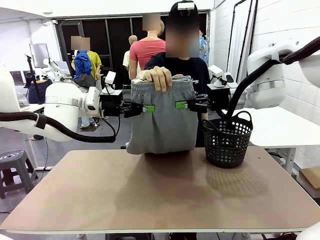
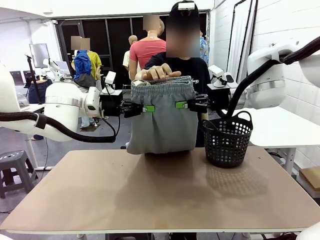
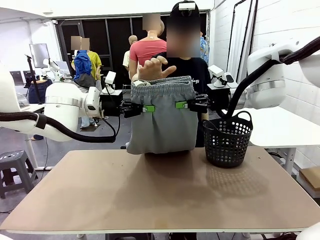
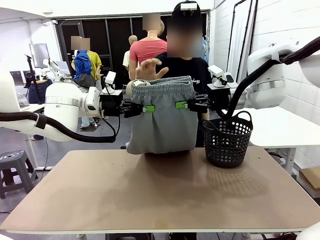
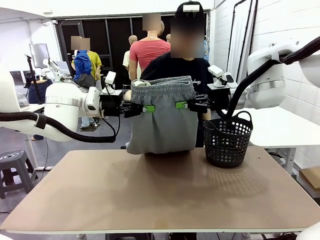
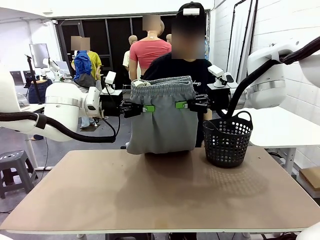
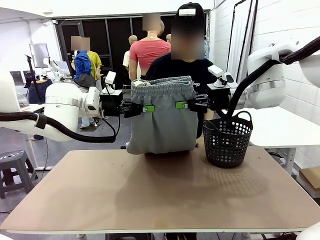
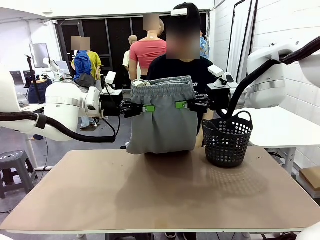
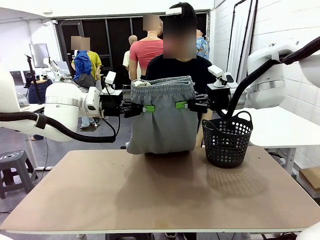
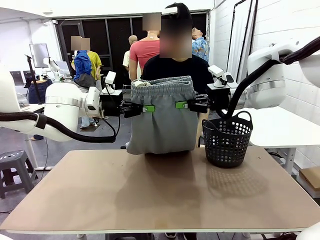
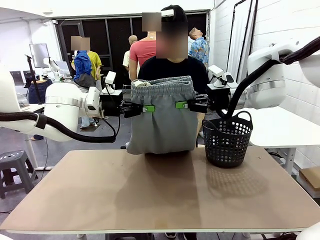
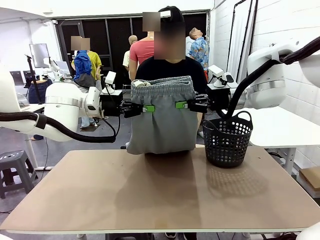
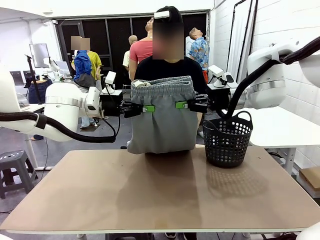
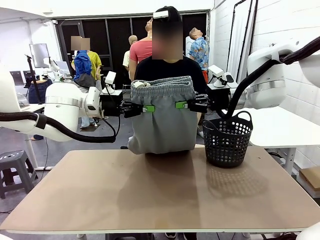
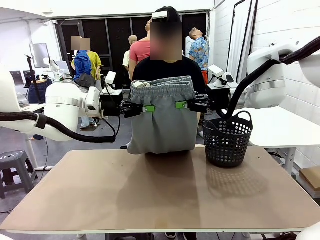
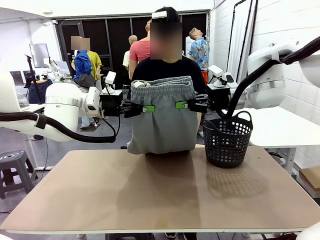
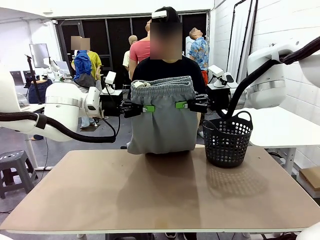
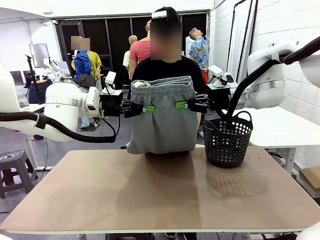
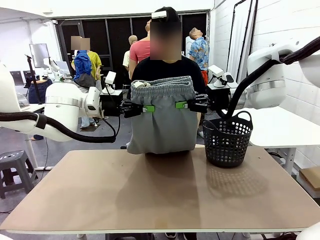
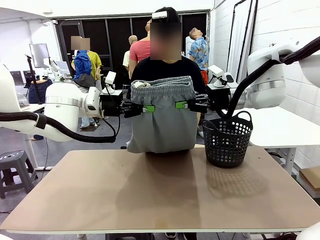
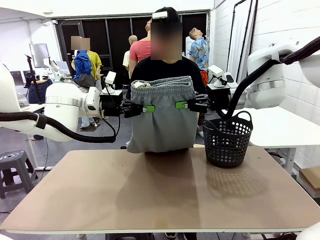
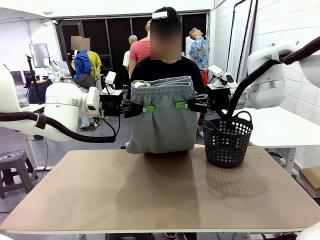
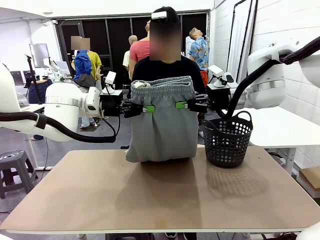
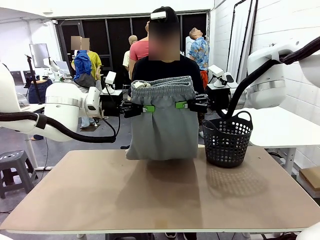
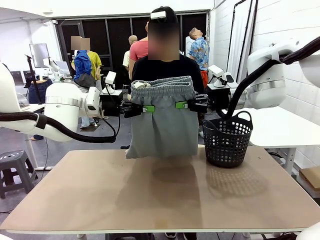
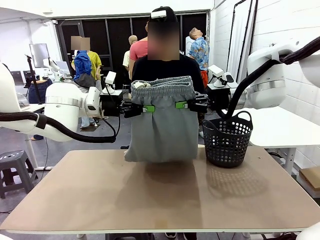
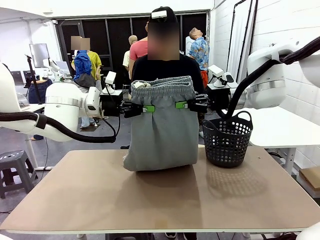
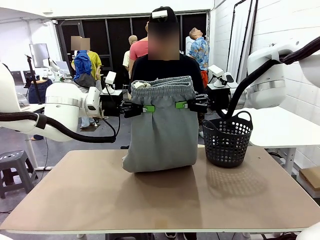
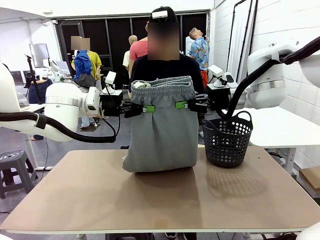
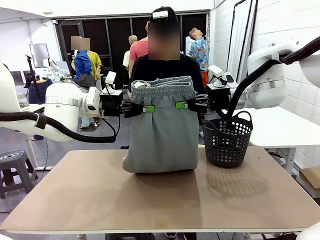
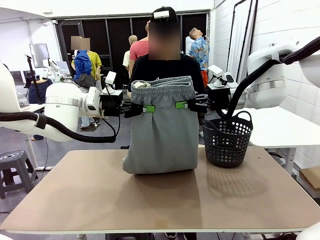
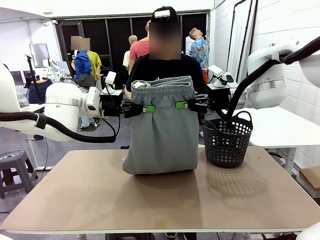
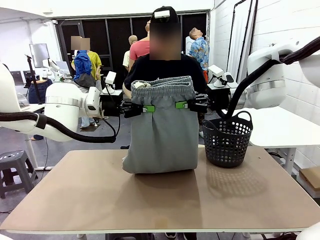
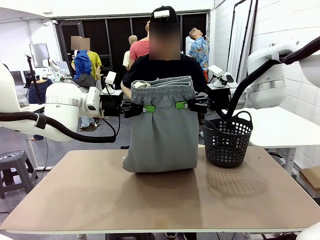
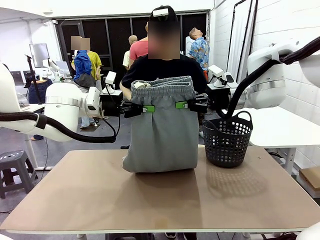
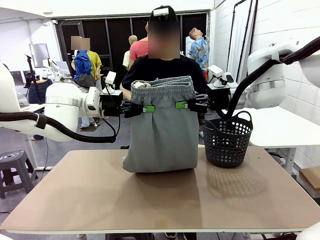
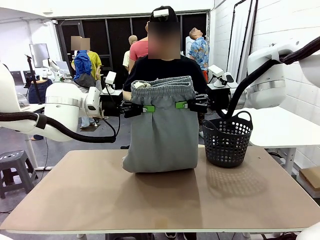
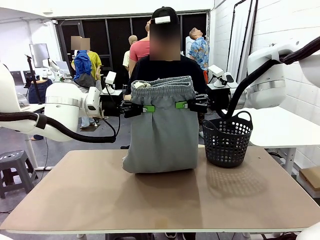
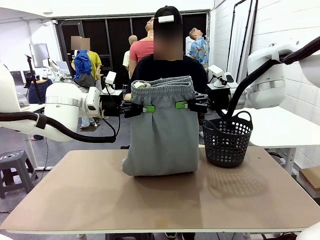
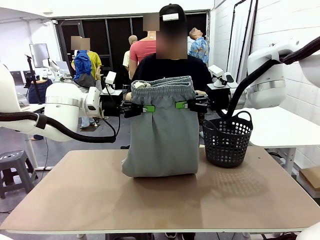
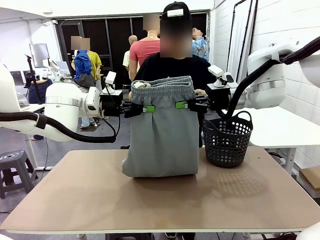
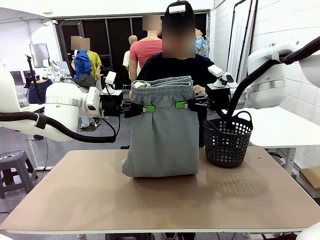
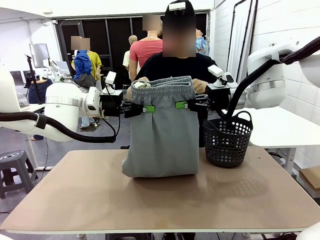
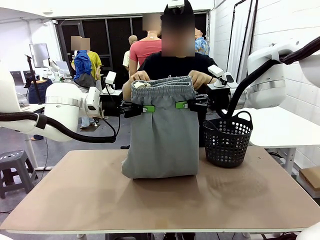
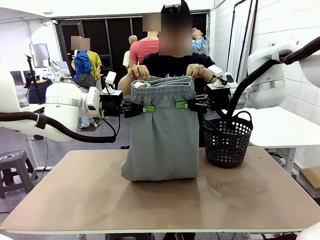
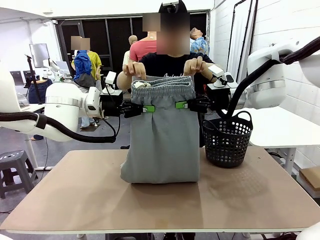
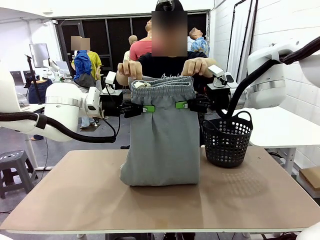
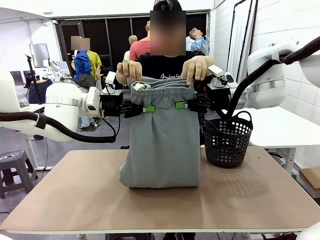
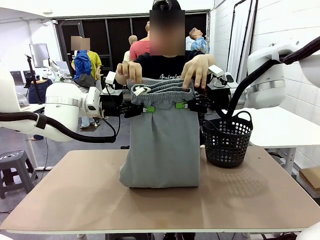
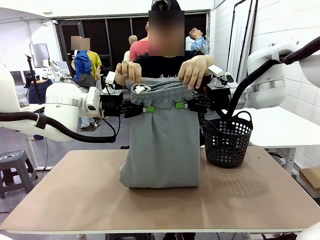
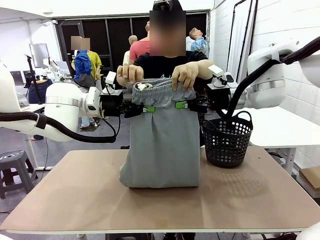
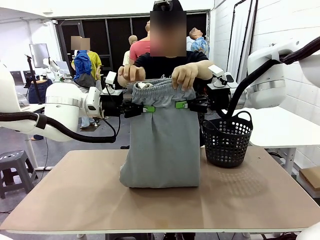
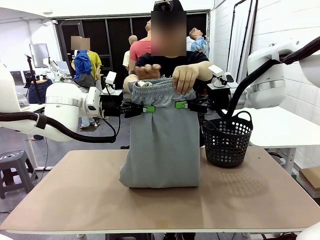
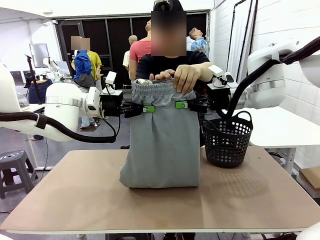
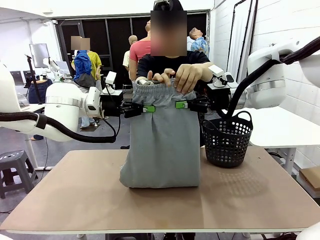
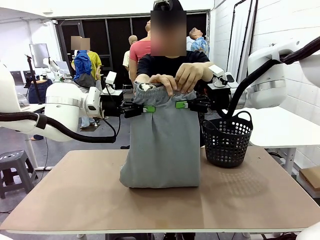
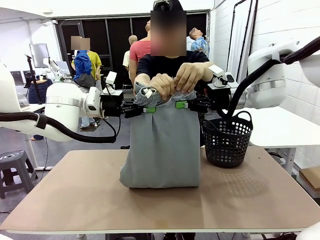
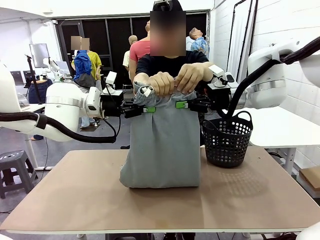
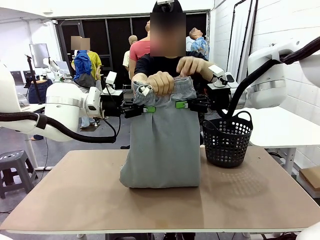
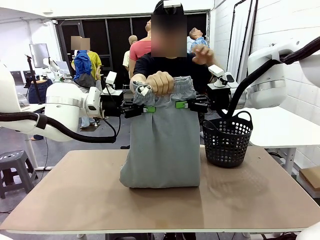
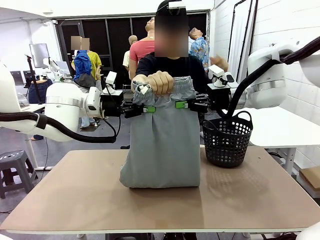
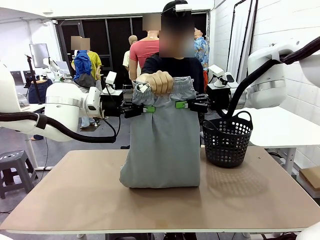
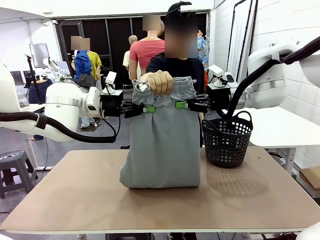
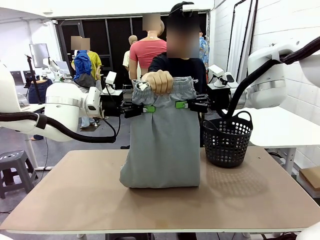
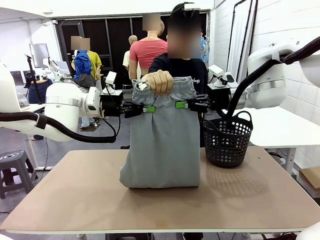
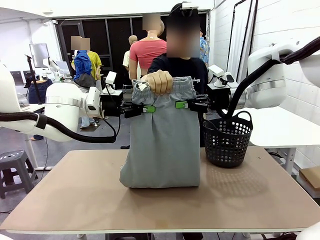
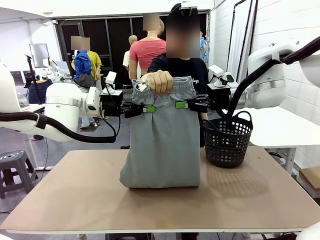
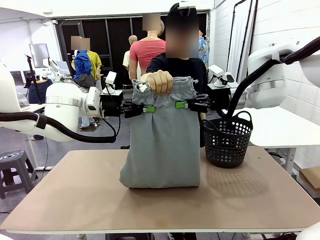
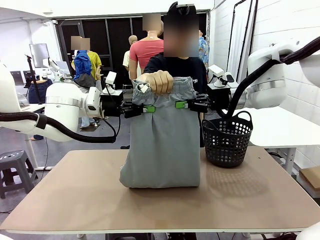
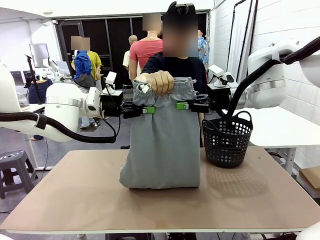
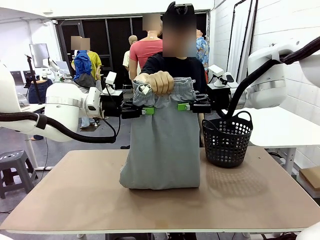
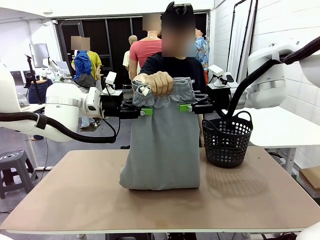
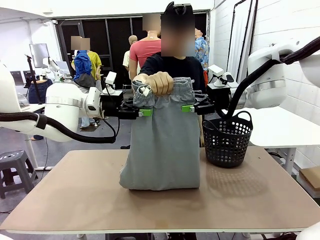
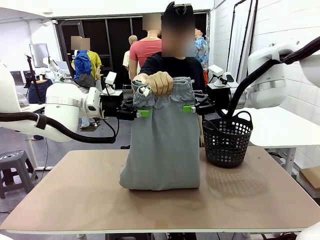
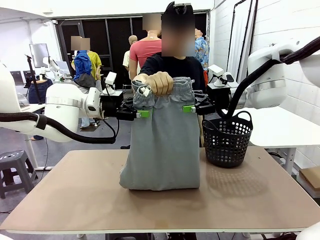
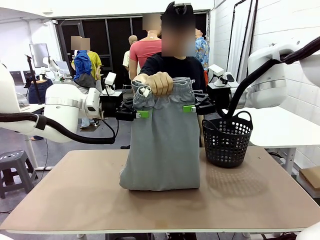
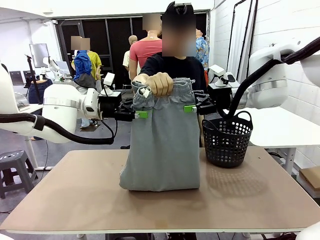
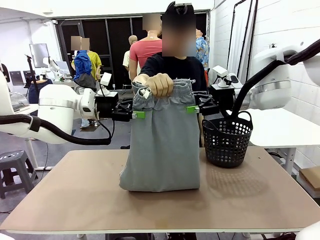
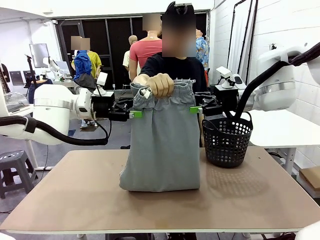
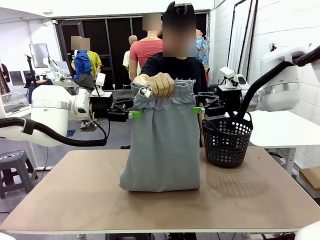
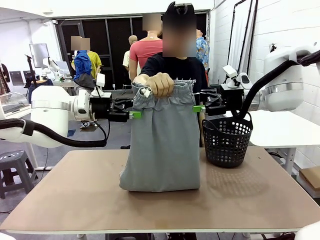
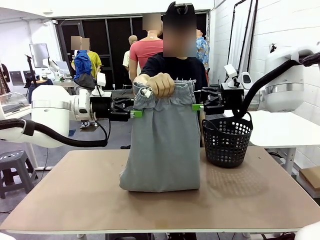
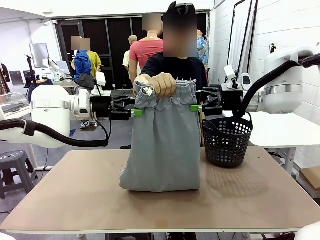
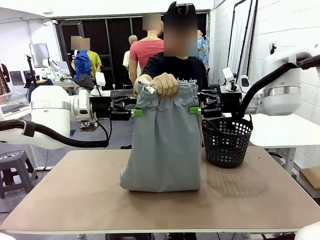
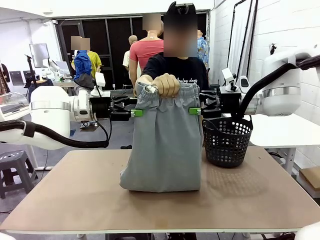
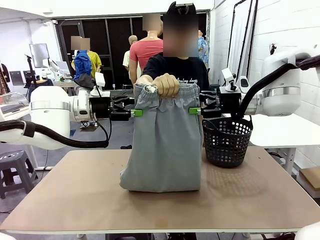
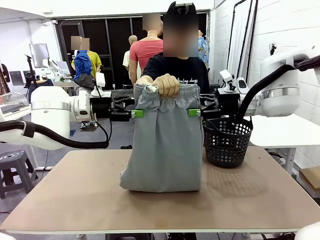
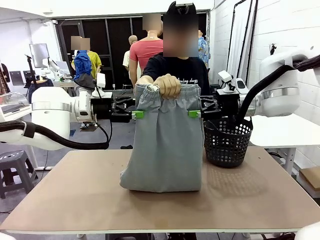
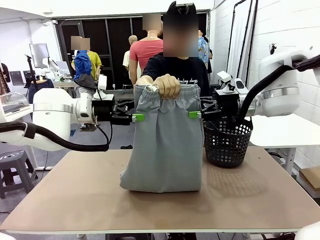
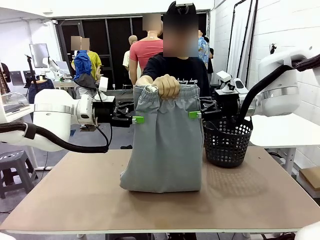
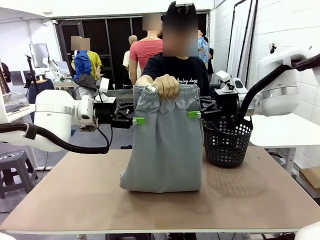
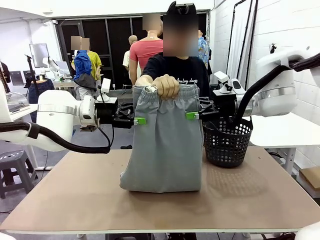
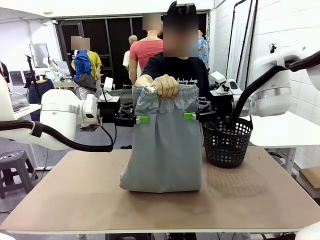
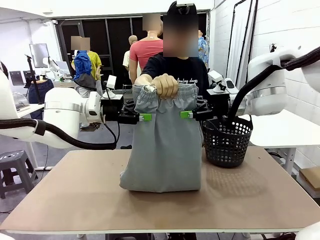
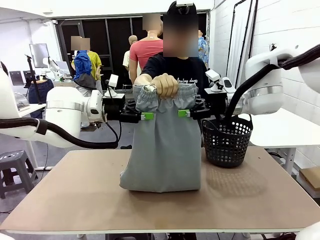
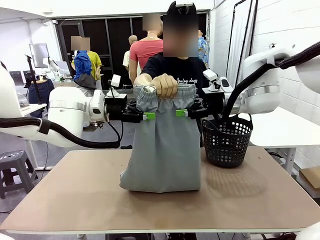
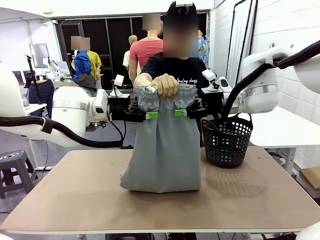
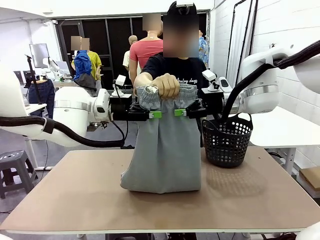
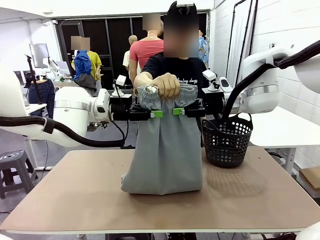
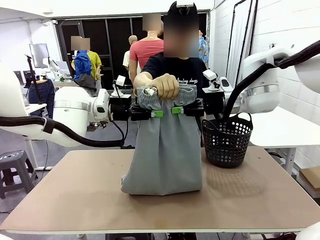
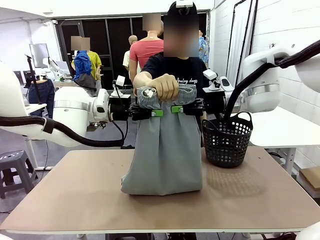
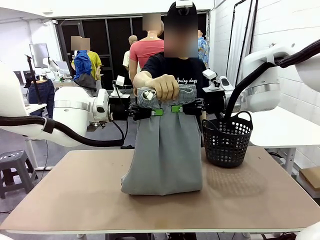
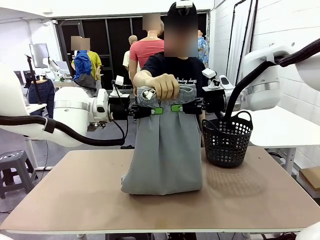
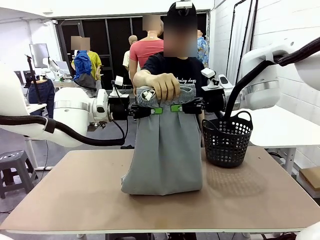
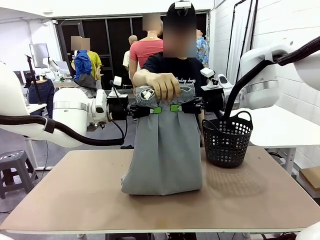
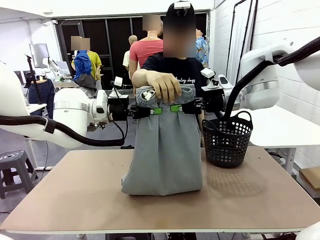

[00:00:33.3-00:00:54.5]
Task: Fold the training pants.
Robot: Release the ends of the Training pants and then grab the overlapped ends.
Person: Grasp the end opposite the point the robot is holding, fold the pants in half, and then grasp the overlapping top end of the folded pants. Release the pants you were holding.
